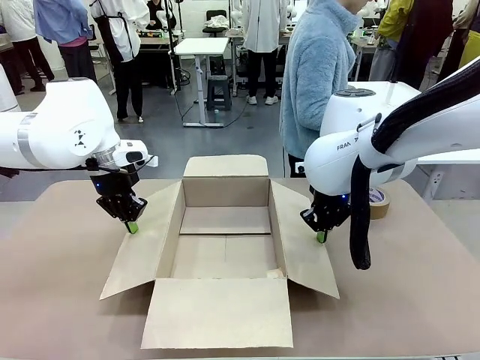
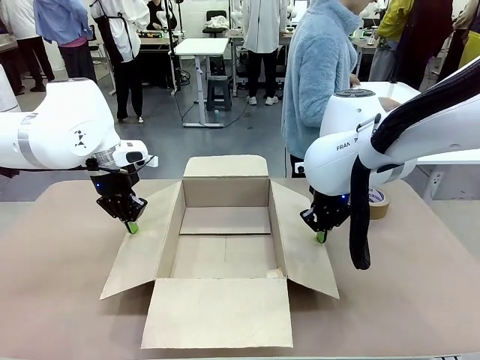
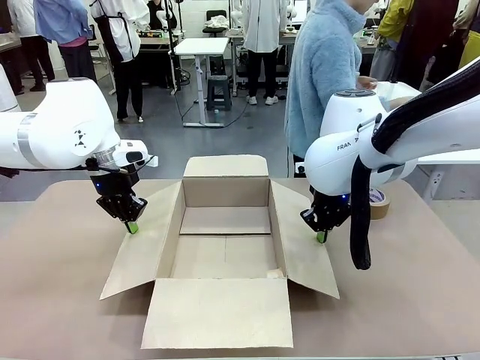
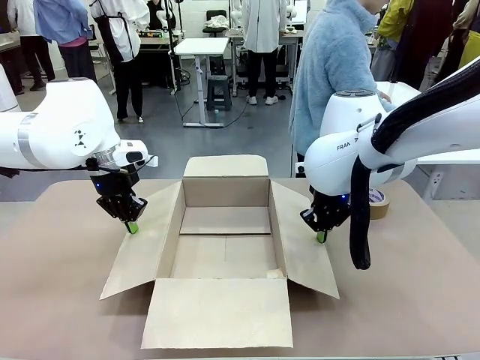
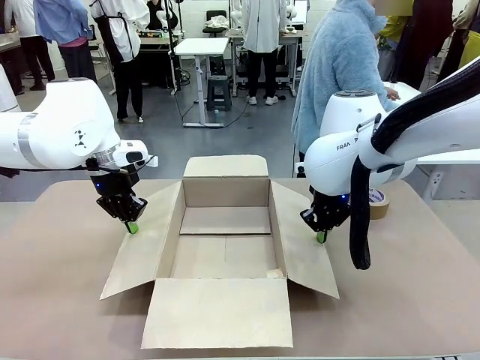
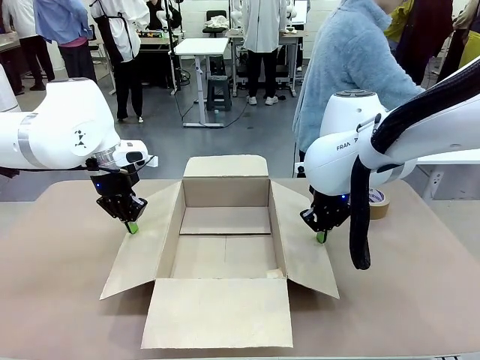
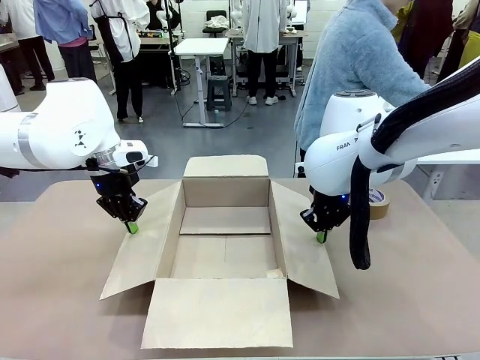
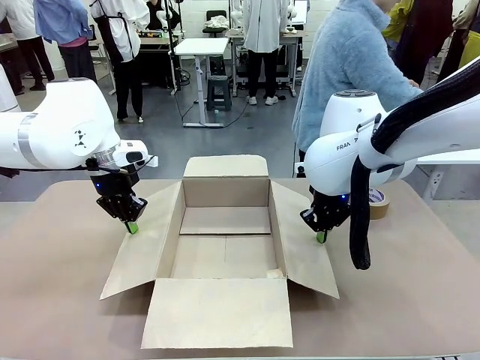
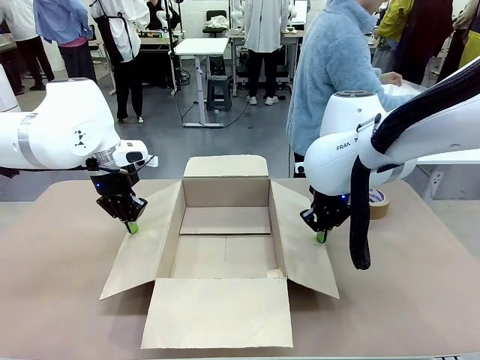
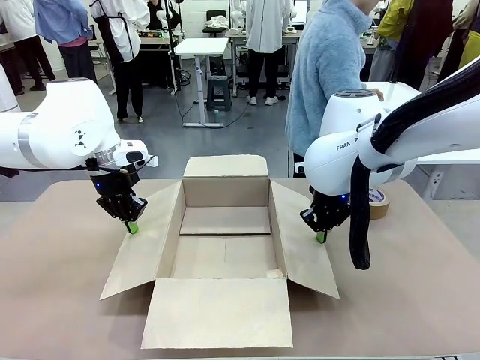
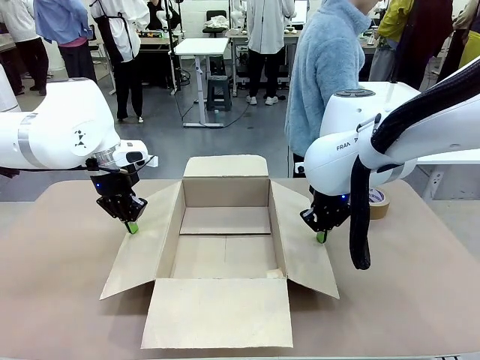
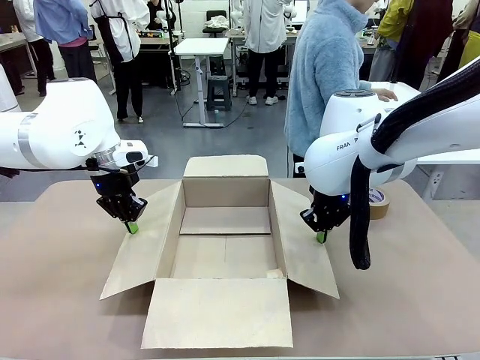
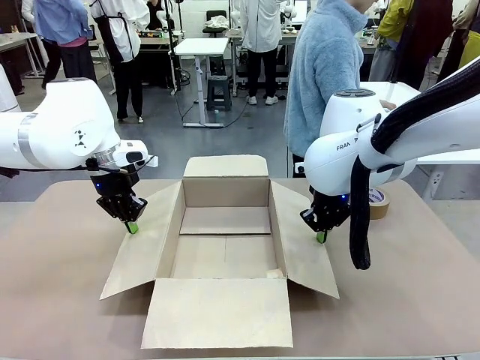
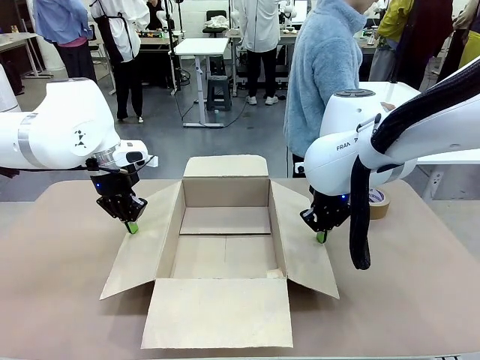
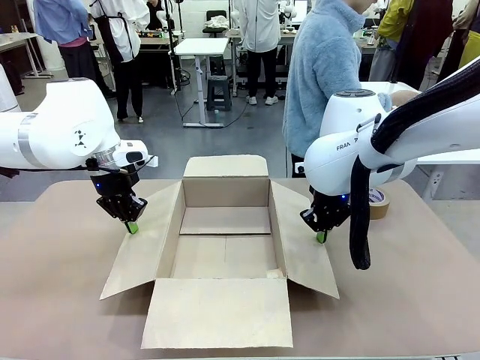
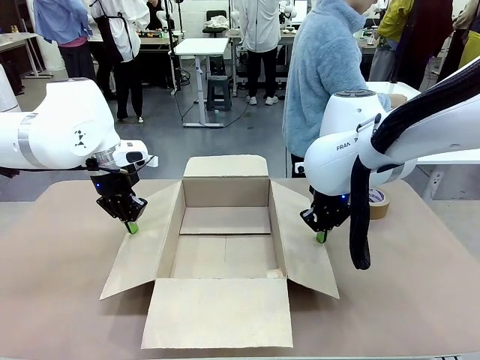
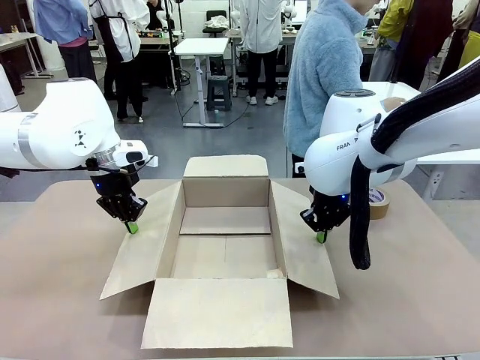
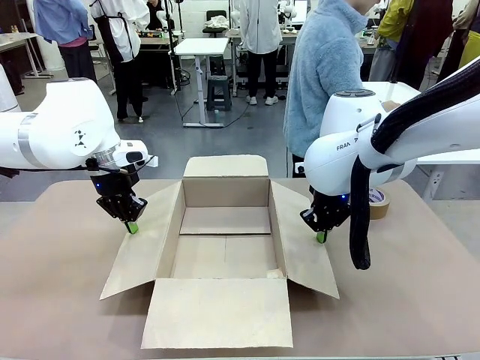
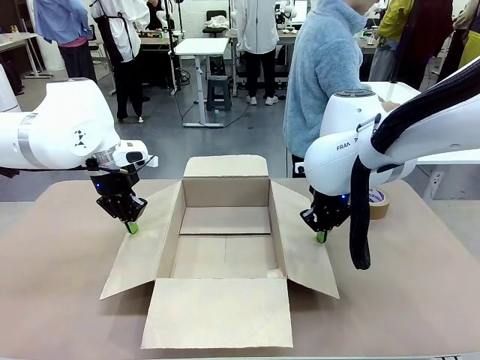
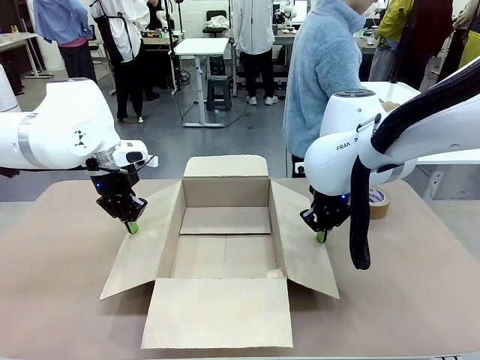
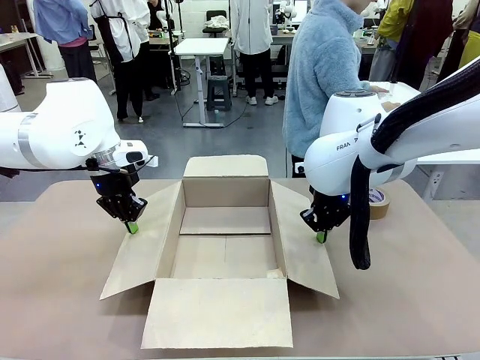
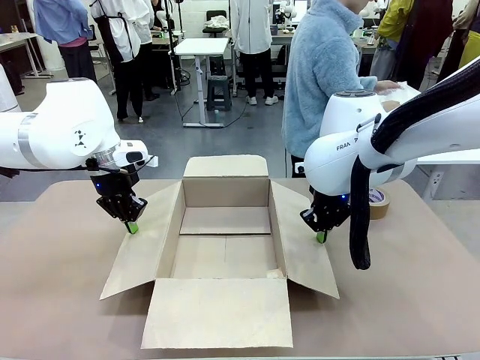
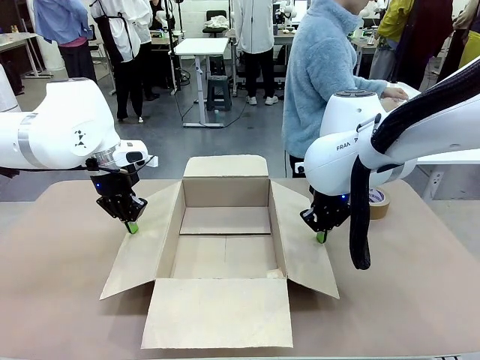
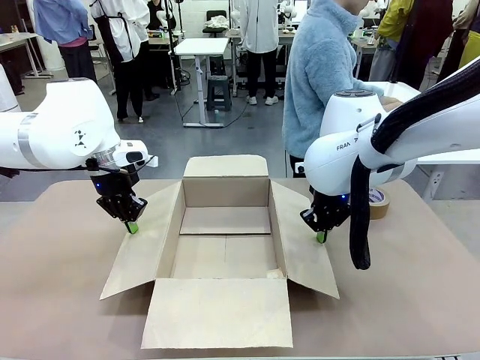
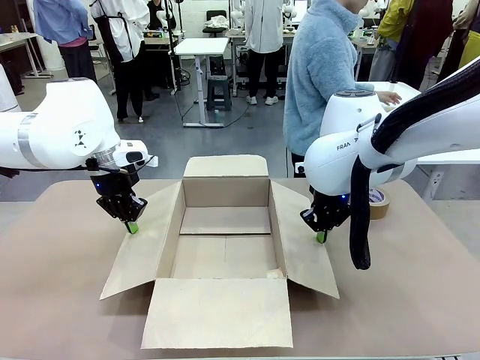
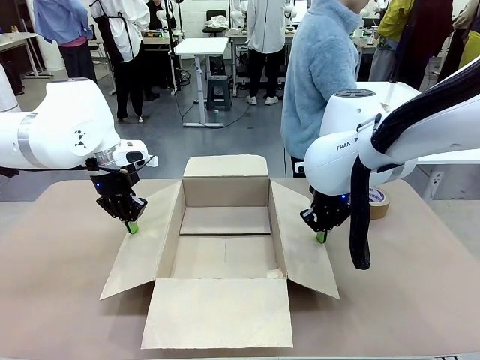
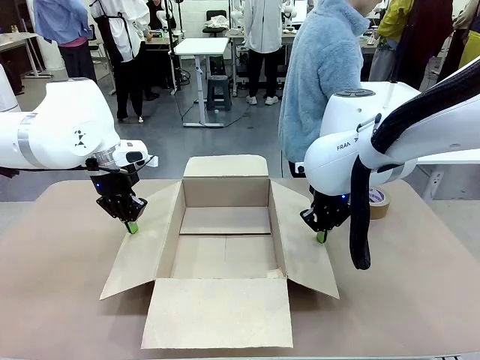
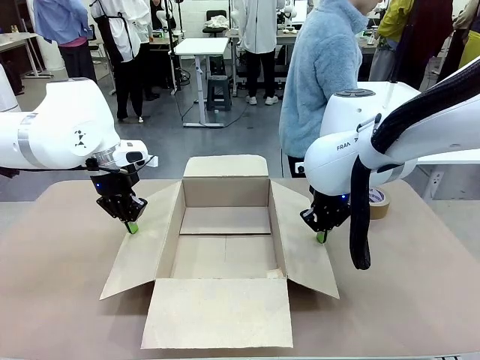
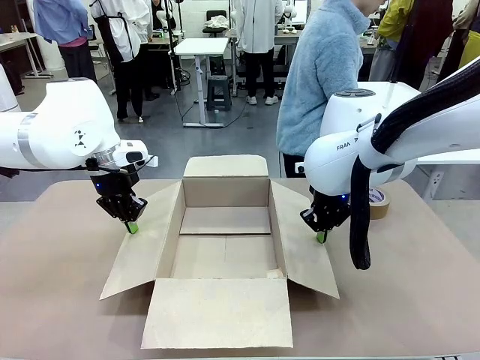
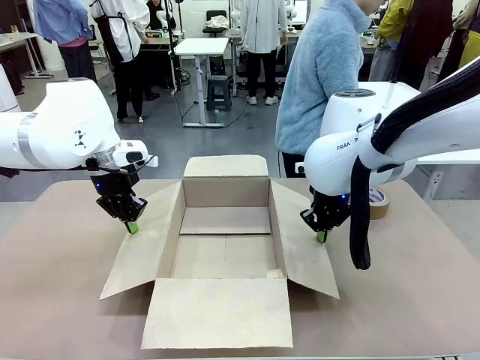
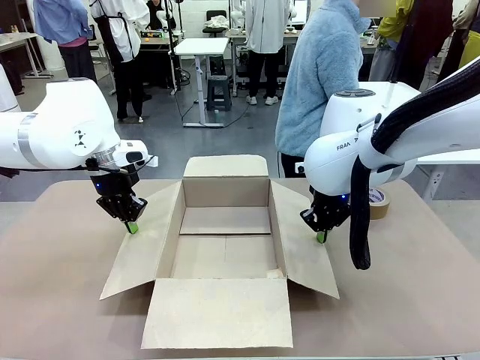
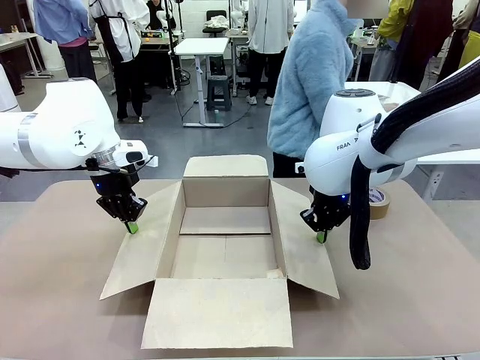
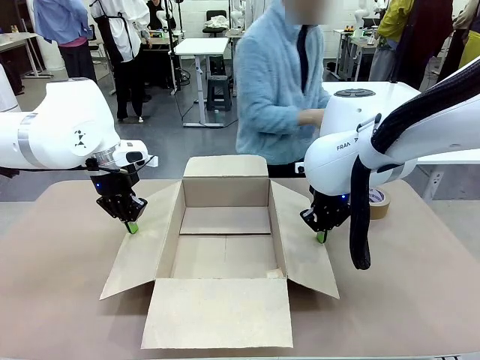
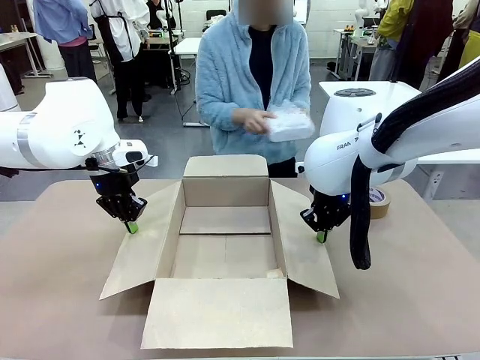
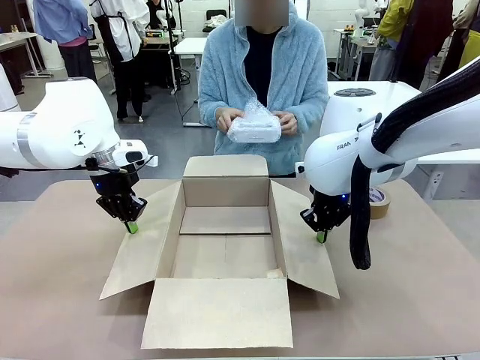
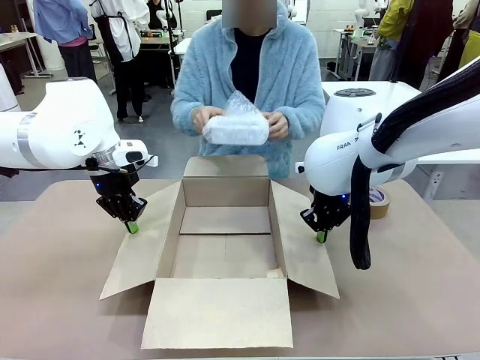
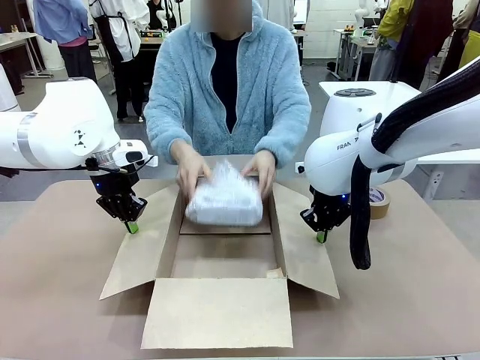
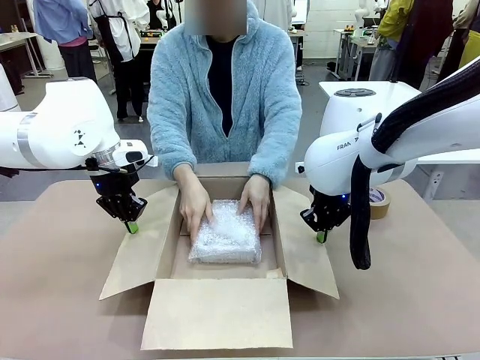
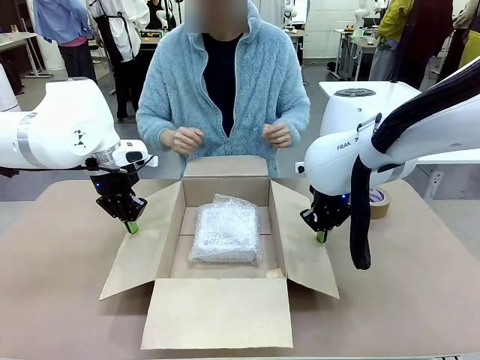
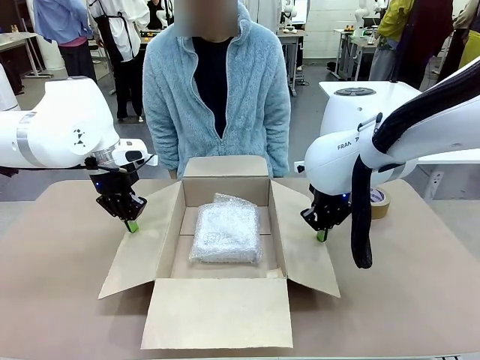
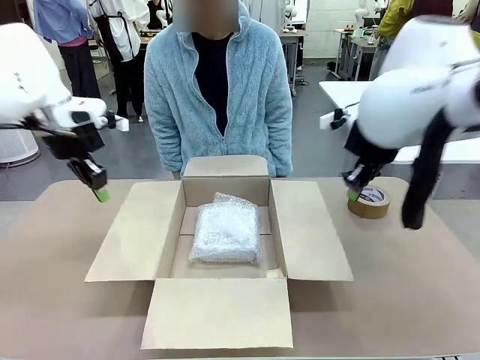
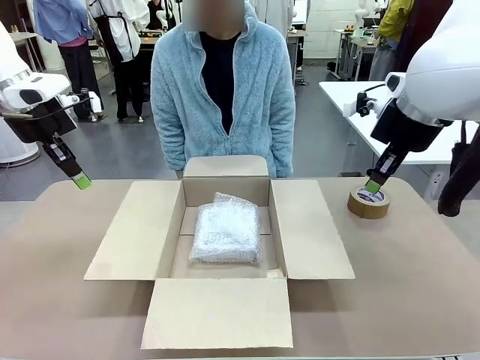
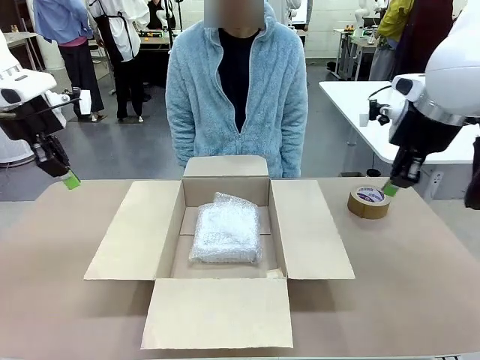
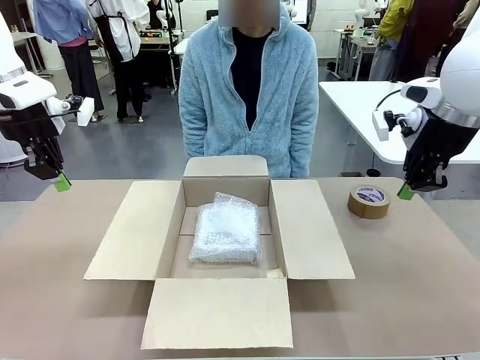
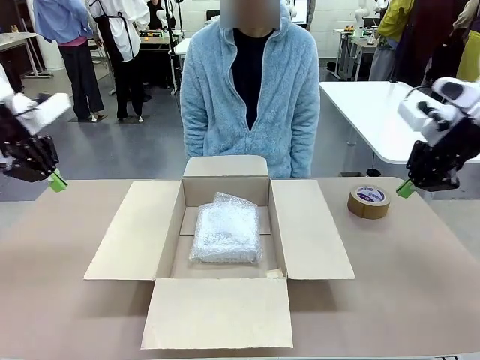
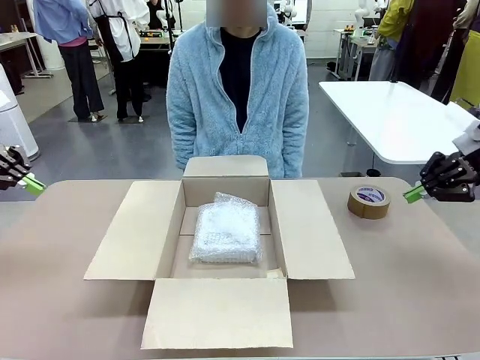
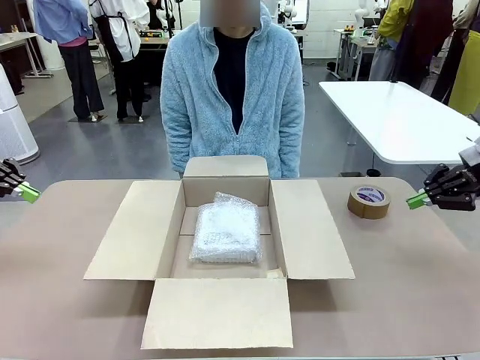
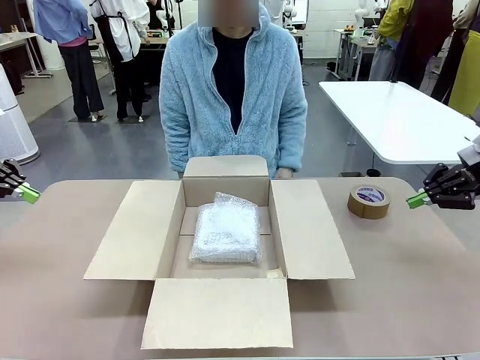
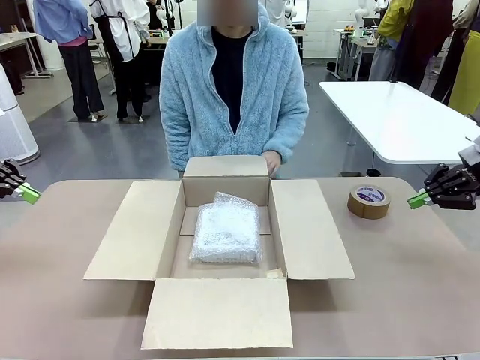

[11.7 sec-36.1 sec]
Task: Wrap the clocks to prevent damage.
Robot: Once the human has placed the objects inside and stepped back, release both hands from the side flaps of the Package Box.
Person: Wrap the two Digital clocks with Bubble Wrap. Place the wrapped Digital clocks inside the Package Box. Hold the top and bottom flaps of the Package Box closed with your left (or right) hand.
